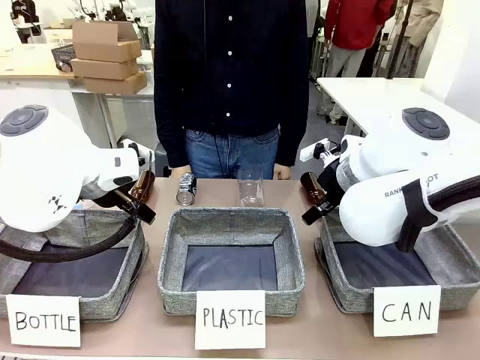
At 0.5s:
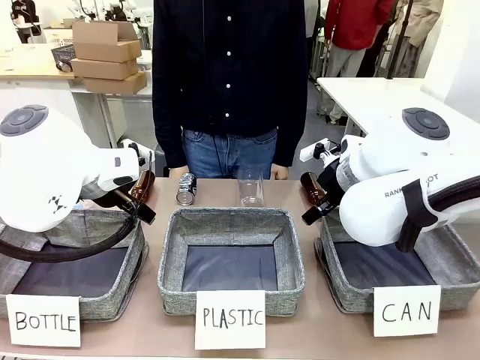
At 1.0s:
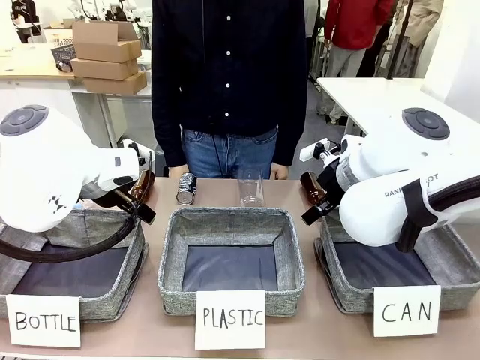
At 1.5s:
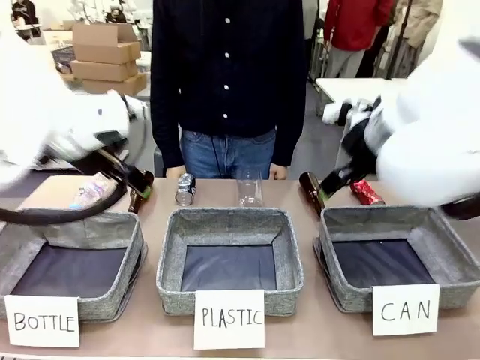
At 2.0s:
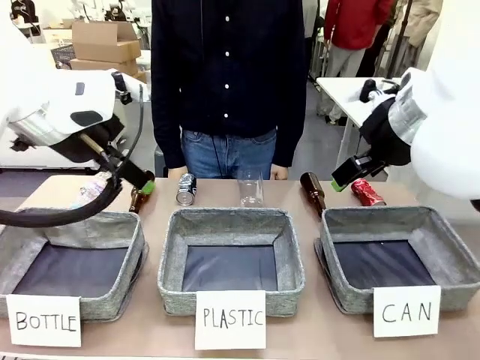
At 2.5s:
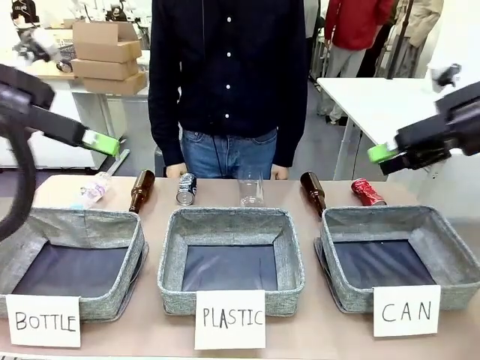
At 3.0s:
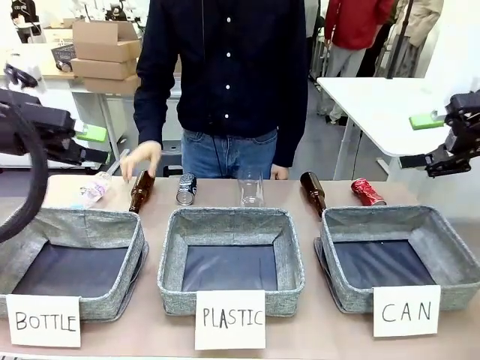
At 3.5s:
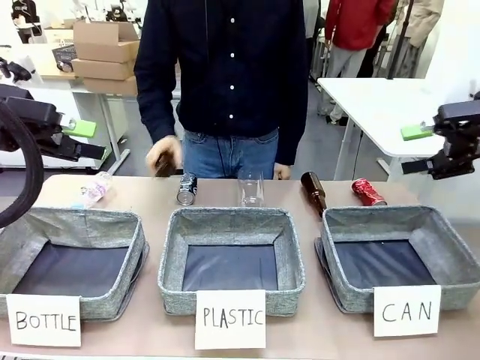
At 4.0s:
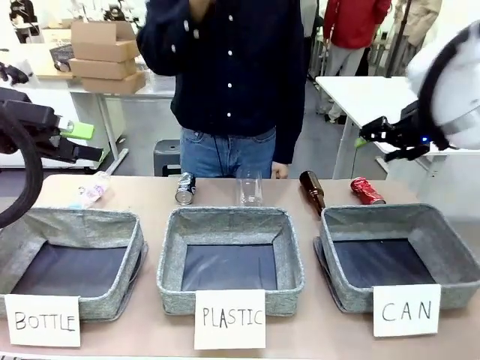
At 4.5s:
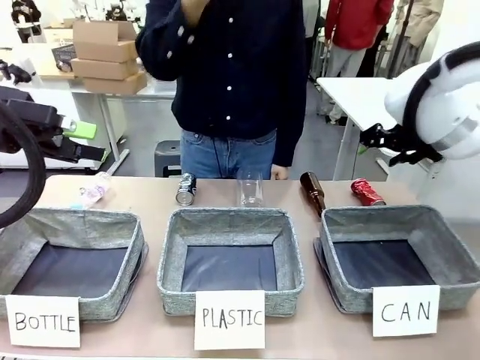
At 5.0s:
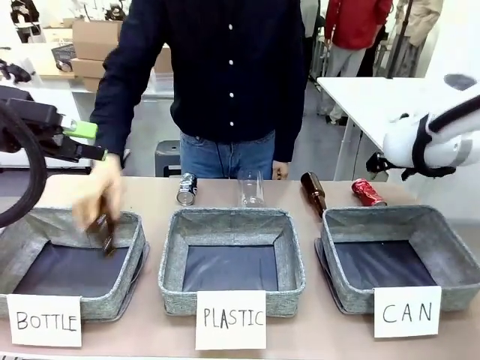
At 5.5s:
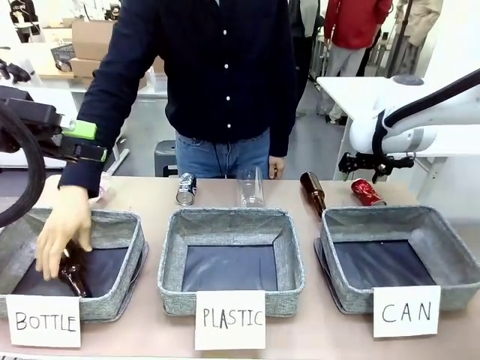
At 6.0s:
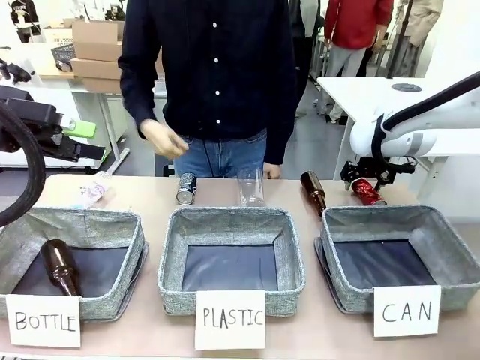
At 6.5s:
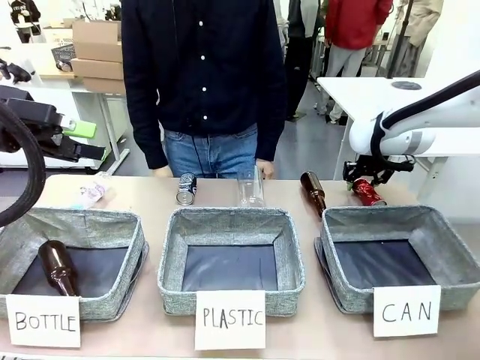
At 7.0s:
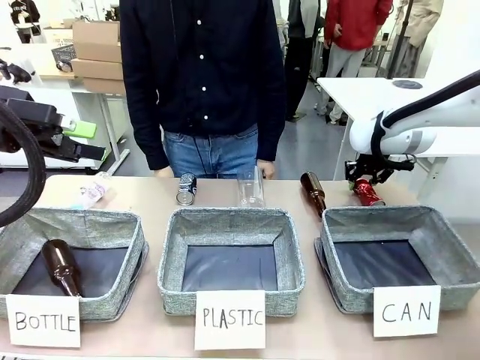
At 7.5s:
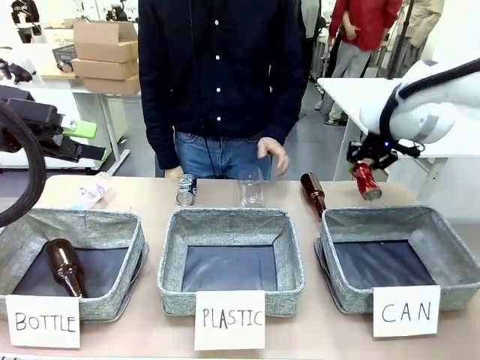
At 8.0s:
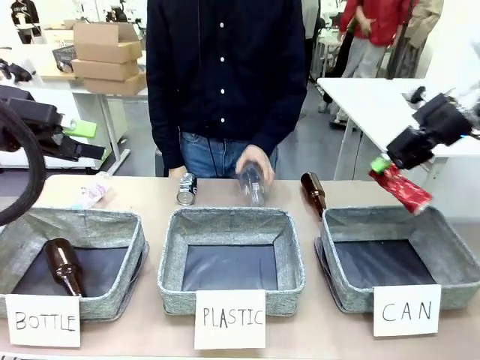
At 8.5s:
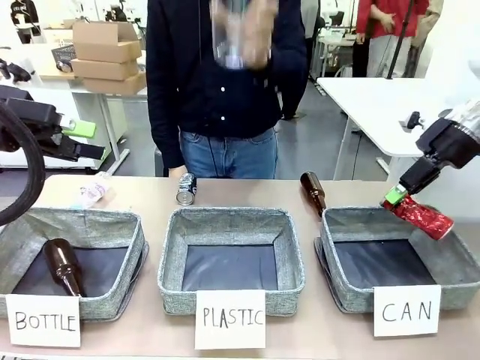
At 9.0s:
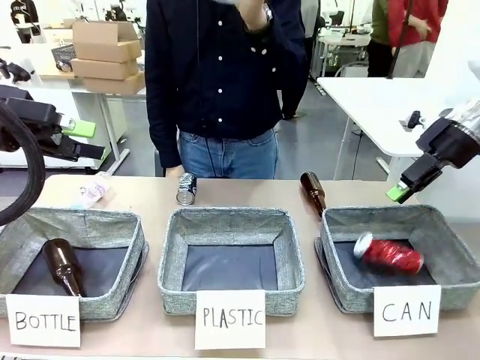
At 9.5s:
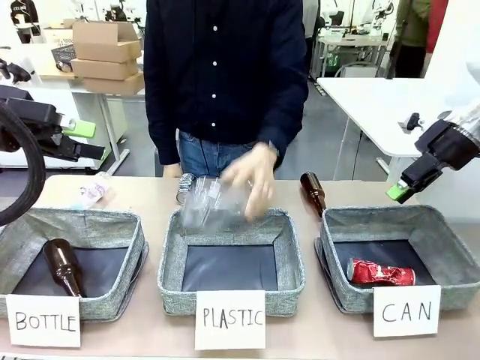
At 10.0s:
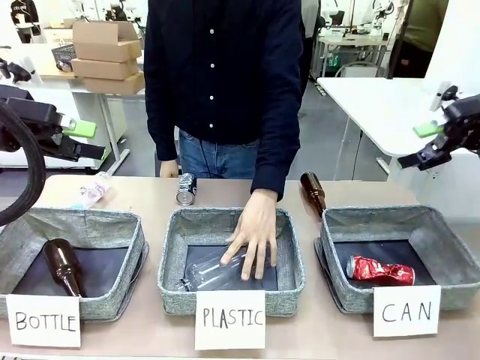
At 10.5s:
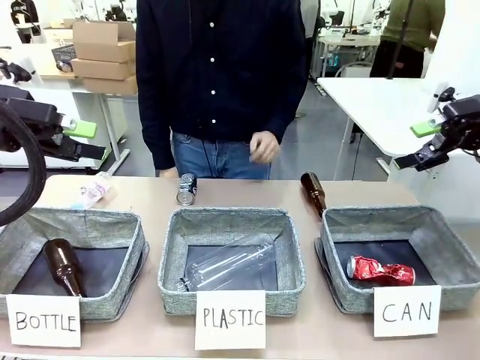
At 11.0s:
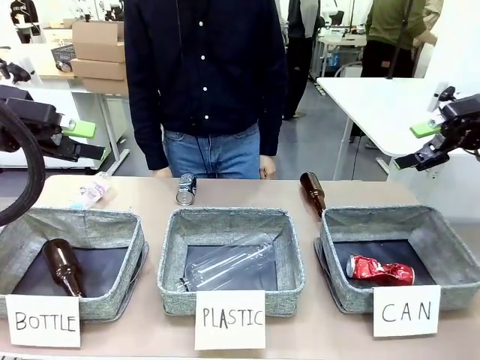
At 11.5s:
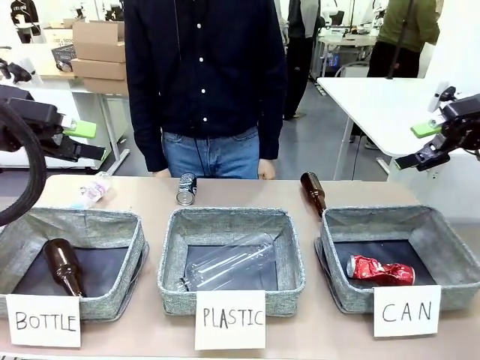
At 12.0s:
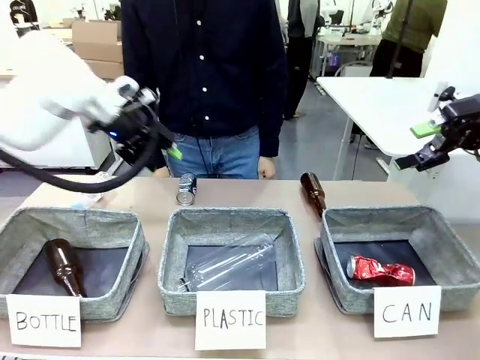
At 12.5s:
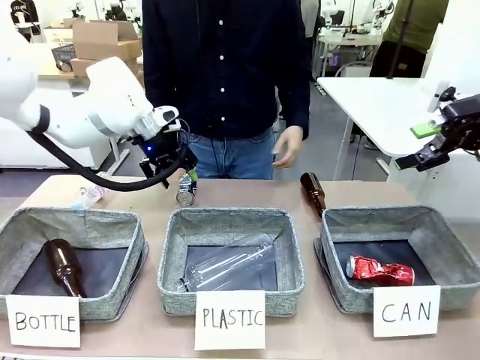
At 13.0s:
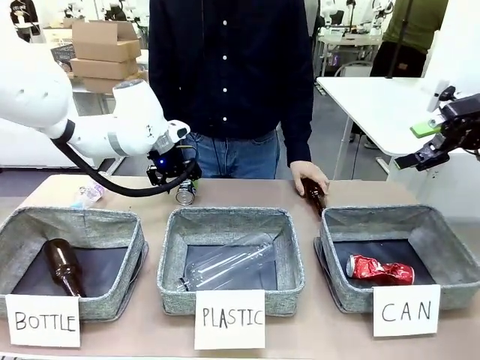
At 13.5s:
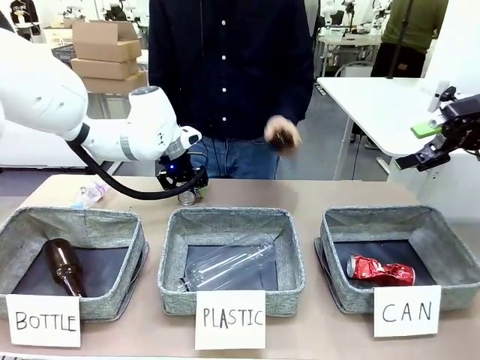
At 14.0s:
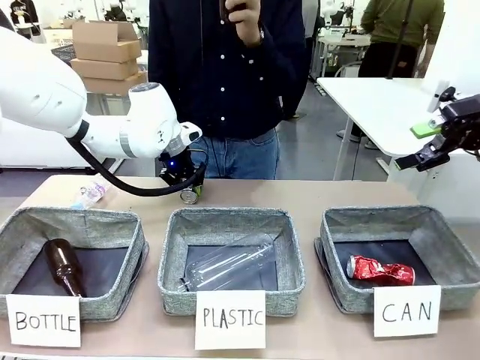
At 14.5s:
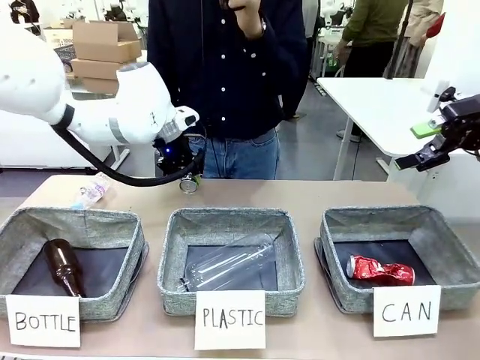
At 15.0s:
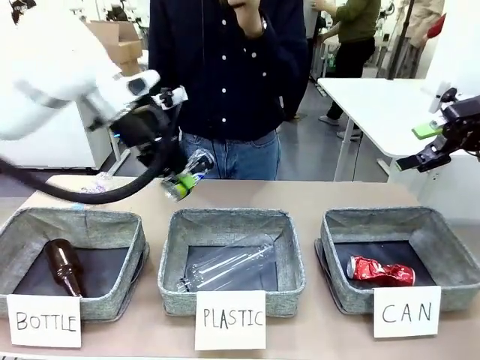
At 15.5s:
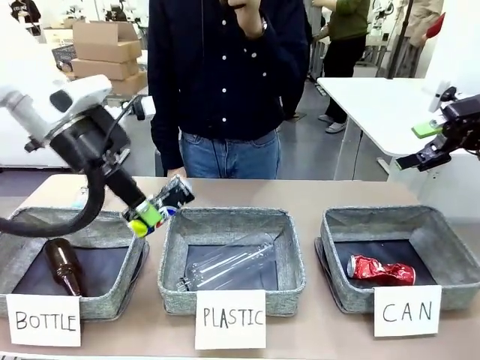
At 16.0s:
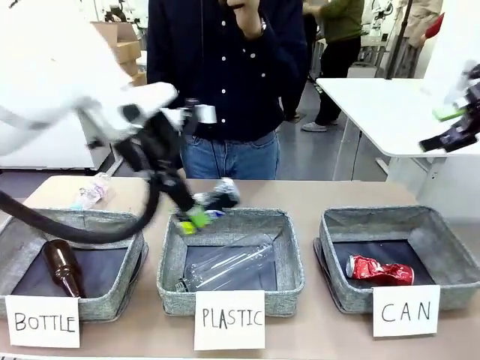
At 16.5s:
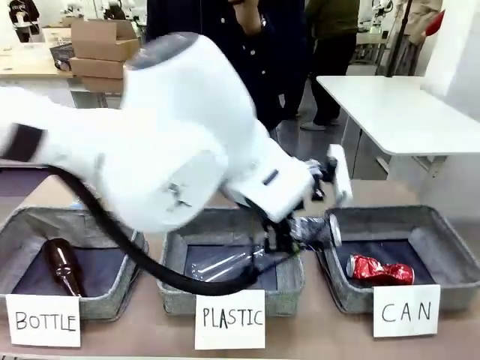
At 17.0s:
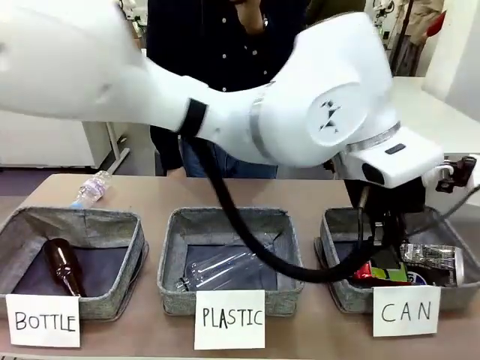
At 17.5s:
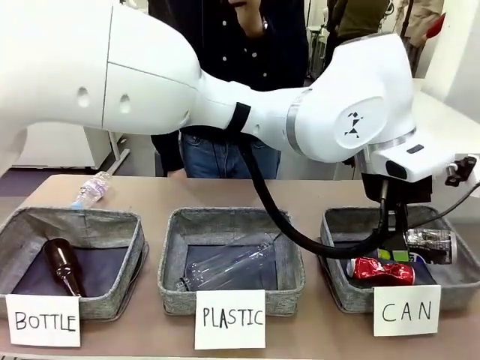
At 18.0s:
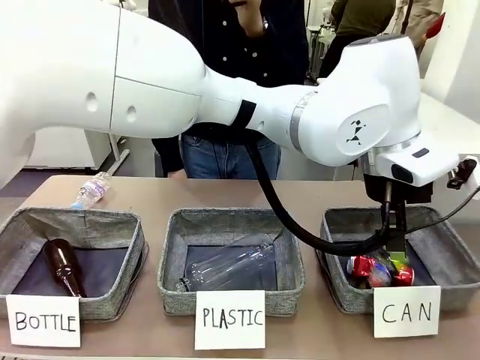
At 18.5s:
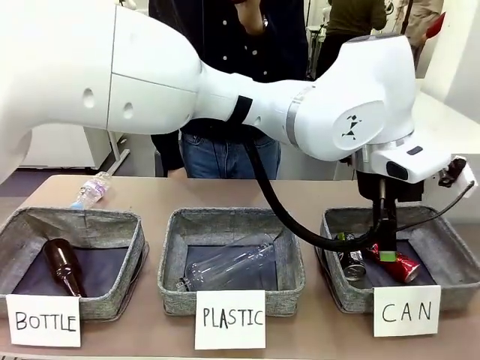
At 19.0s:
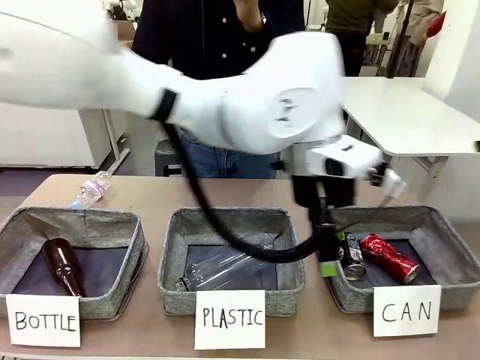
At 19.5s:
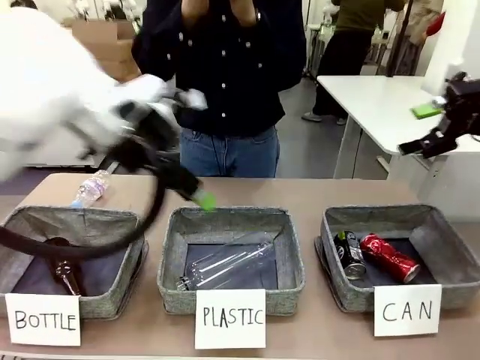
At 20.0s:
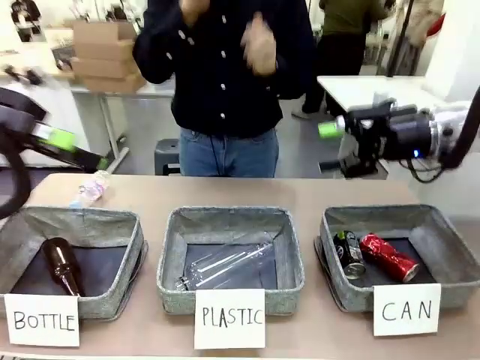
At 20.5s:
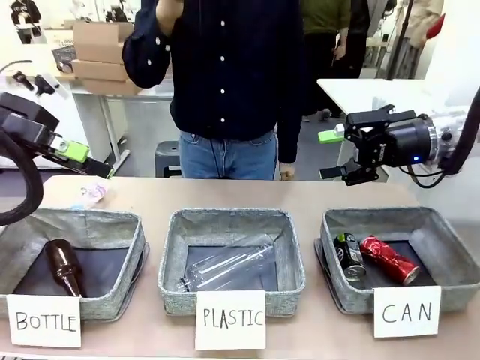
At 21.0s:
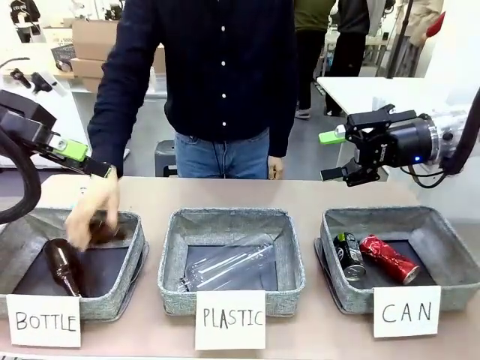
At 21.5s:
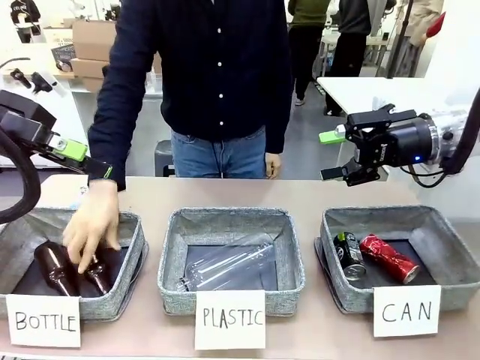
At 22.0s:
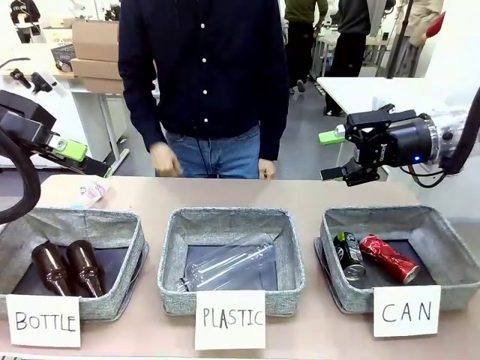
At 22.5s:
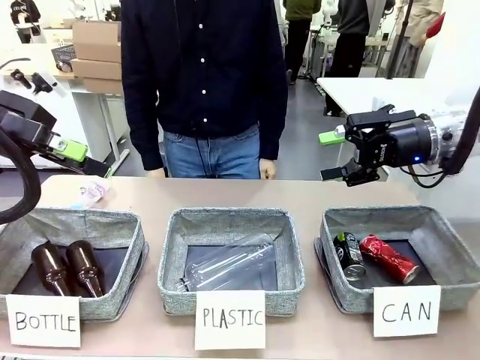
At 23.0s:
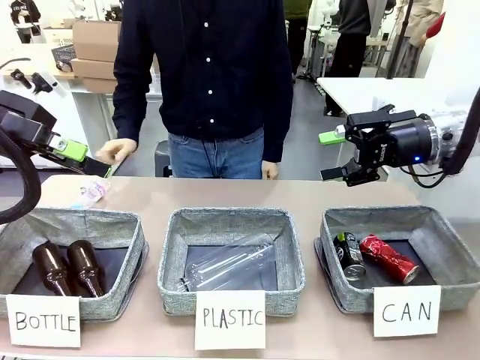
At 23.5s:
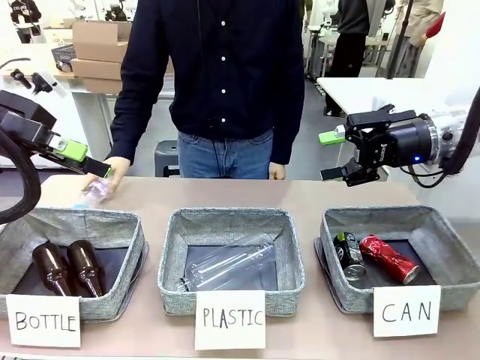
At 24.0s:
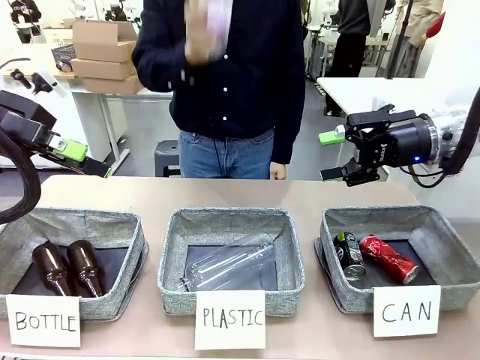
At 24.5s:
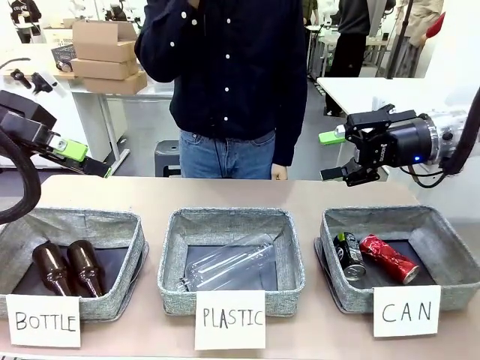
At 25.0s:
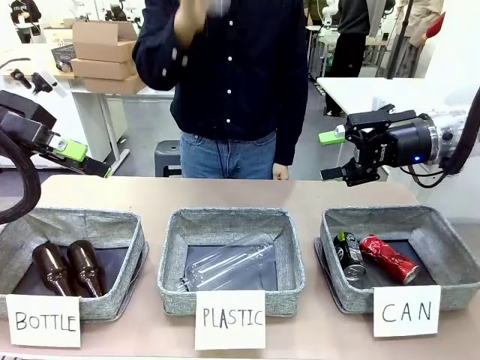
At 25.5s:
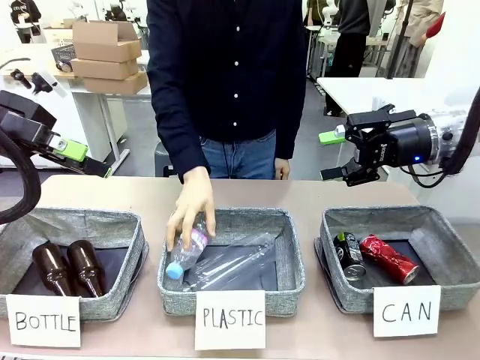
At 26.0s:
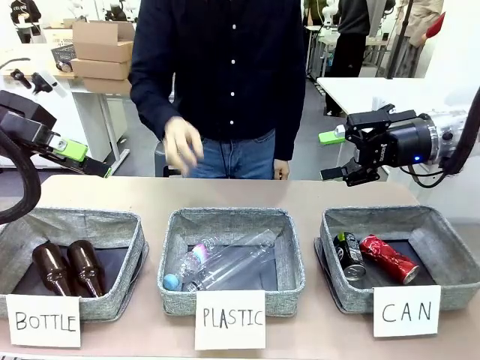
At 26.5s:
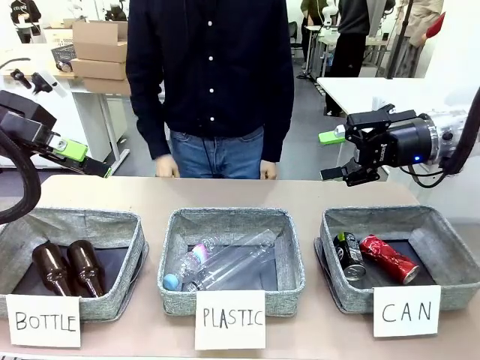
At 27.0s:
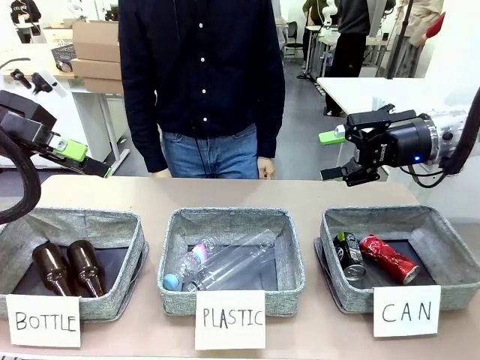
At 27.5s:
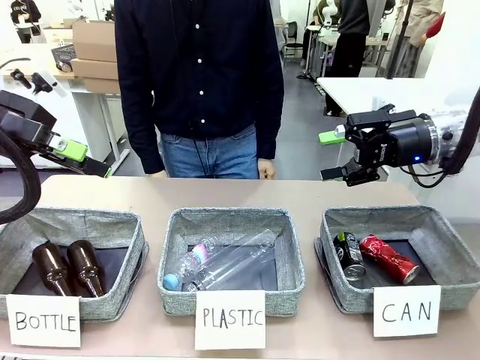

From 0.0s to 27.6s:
Task: Sort the can waste into the basket.
Robot: Pick up the can waste from the table and place it in the right Fabric basket.
Person: The human picks up one piece of trash that is not a can and places the trash into the appropriate organizing basket.
